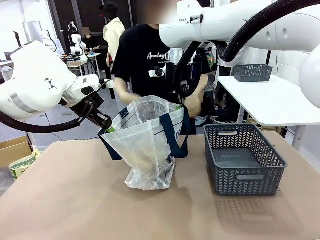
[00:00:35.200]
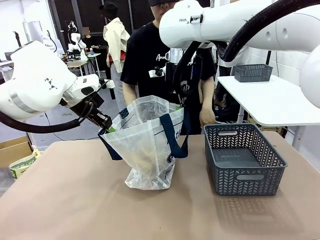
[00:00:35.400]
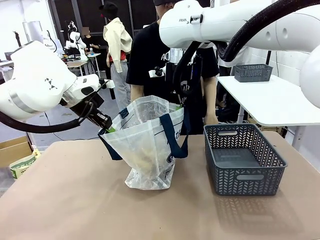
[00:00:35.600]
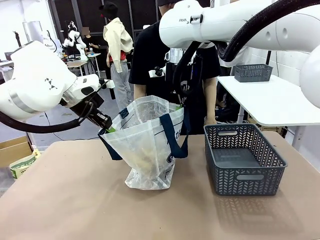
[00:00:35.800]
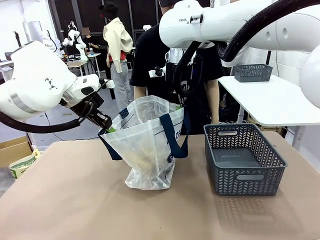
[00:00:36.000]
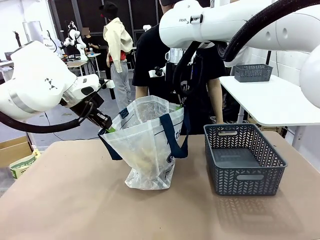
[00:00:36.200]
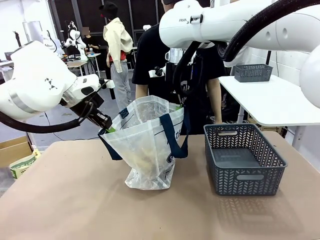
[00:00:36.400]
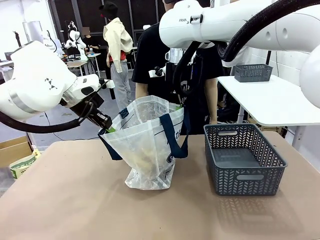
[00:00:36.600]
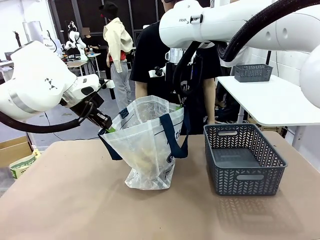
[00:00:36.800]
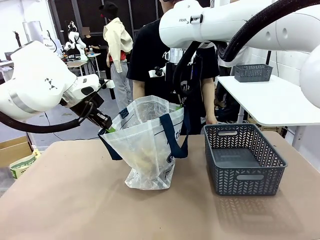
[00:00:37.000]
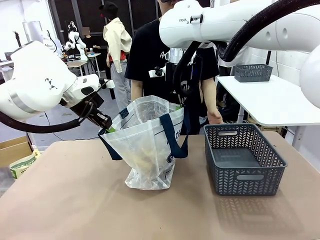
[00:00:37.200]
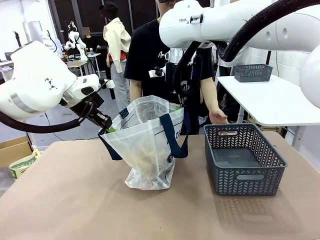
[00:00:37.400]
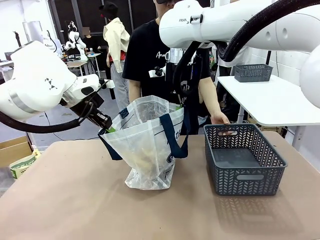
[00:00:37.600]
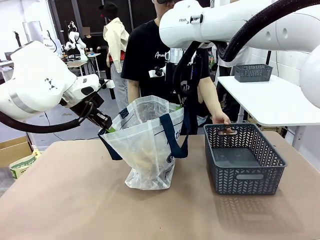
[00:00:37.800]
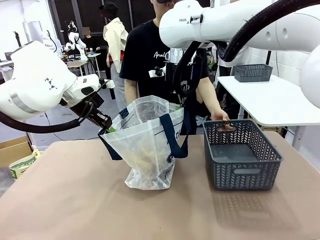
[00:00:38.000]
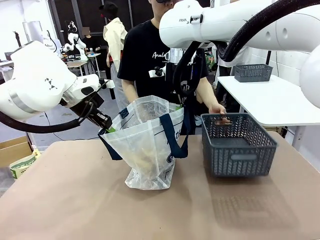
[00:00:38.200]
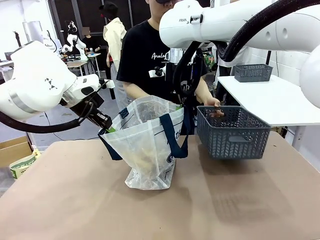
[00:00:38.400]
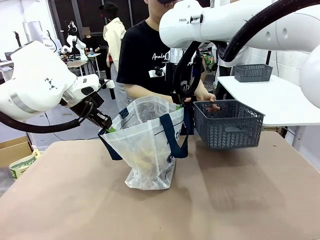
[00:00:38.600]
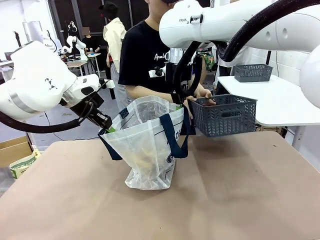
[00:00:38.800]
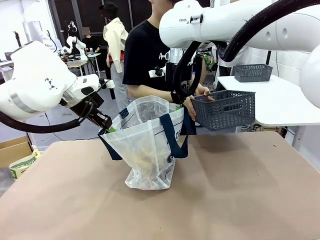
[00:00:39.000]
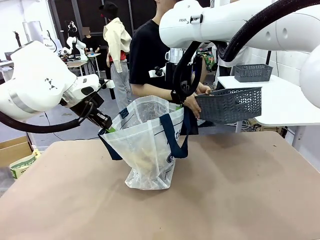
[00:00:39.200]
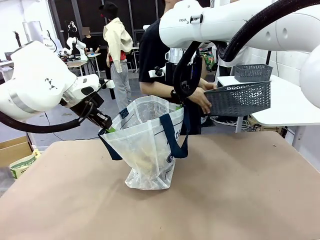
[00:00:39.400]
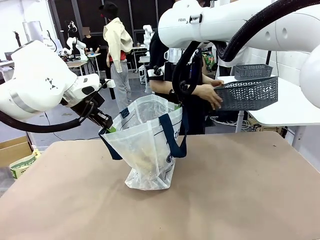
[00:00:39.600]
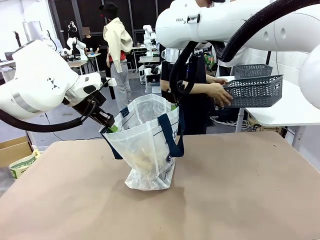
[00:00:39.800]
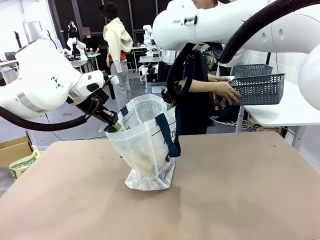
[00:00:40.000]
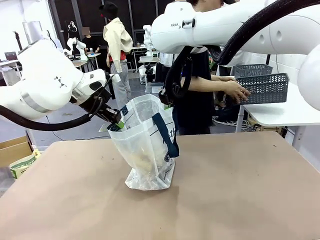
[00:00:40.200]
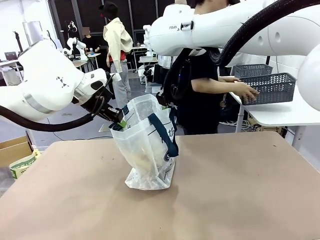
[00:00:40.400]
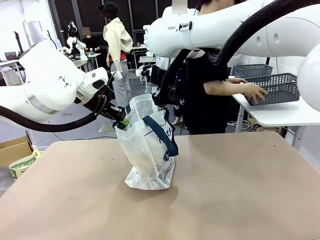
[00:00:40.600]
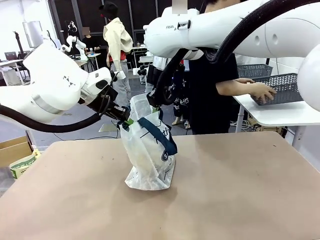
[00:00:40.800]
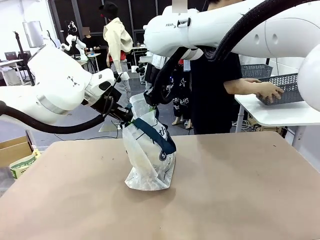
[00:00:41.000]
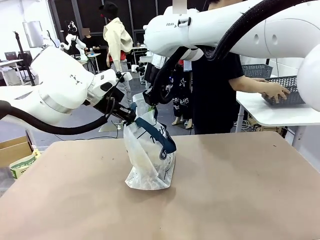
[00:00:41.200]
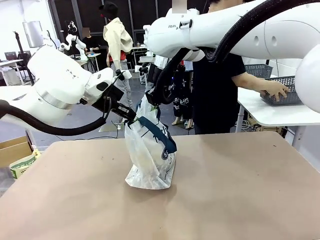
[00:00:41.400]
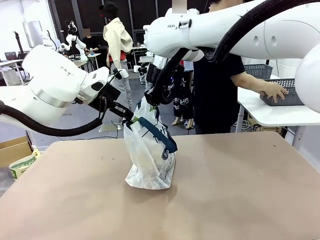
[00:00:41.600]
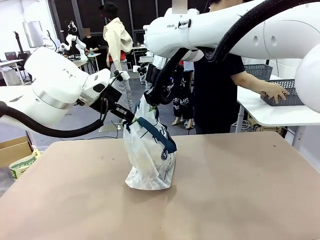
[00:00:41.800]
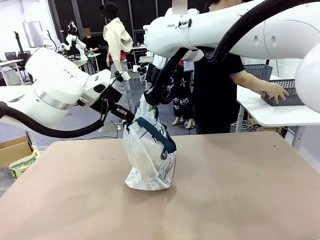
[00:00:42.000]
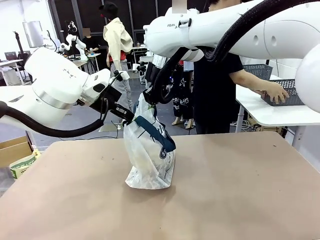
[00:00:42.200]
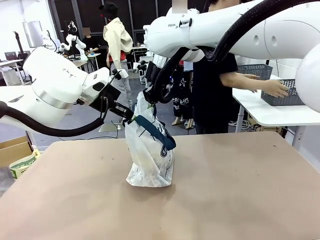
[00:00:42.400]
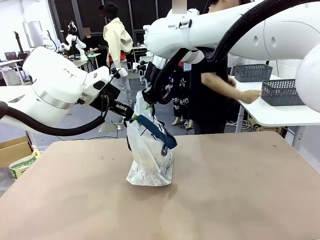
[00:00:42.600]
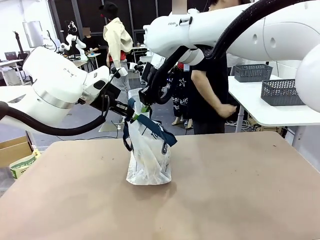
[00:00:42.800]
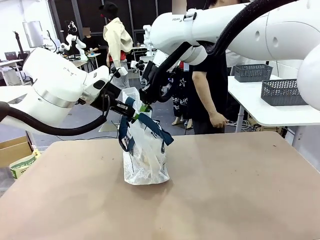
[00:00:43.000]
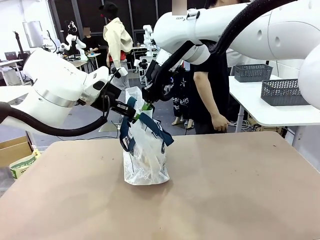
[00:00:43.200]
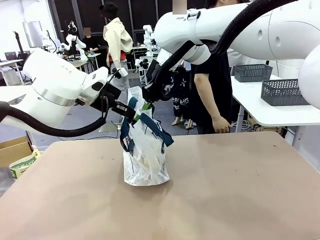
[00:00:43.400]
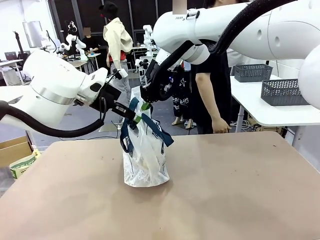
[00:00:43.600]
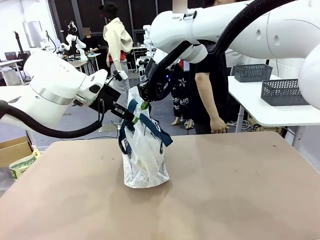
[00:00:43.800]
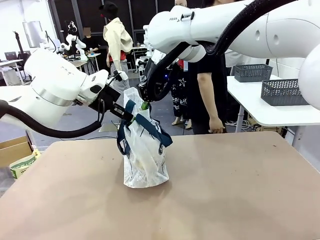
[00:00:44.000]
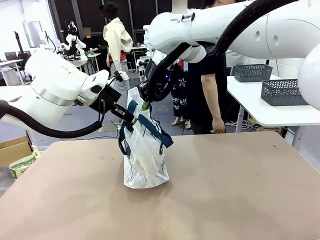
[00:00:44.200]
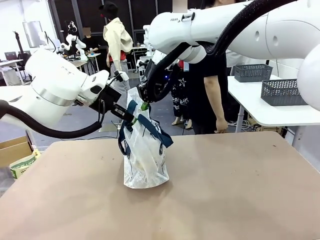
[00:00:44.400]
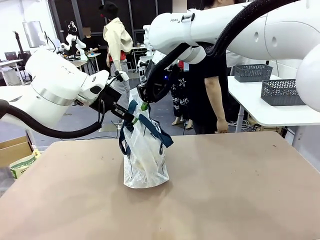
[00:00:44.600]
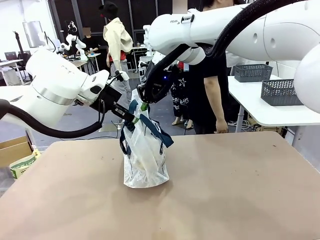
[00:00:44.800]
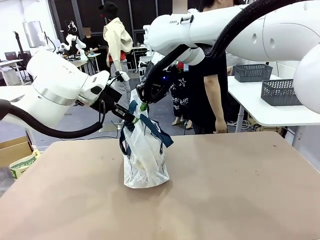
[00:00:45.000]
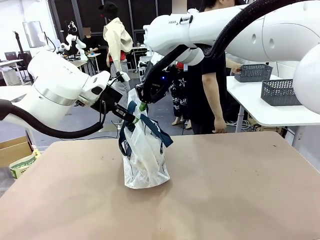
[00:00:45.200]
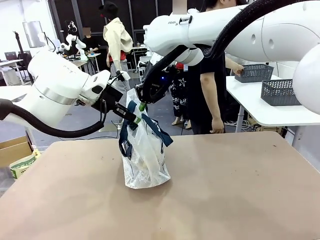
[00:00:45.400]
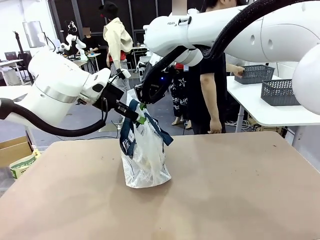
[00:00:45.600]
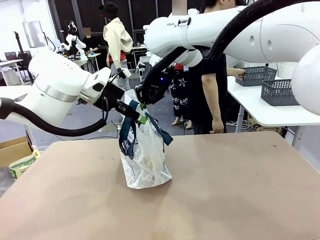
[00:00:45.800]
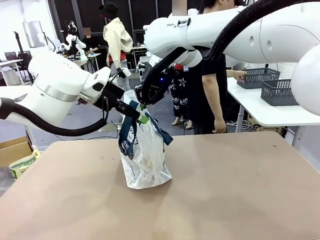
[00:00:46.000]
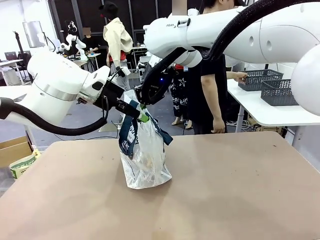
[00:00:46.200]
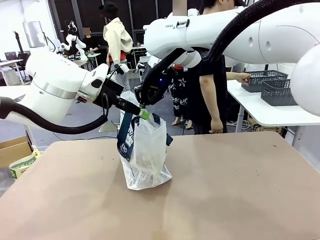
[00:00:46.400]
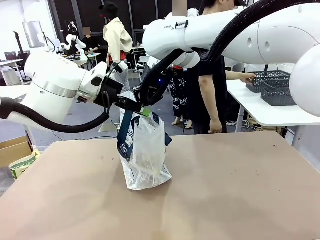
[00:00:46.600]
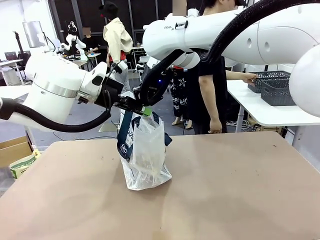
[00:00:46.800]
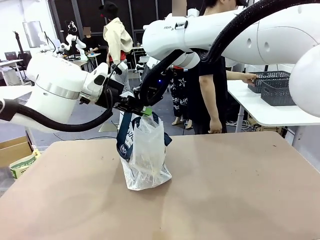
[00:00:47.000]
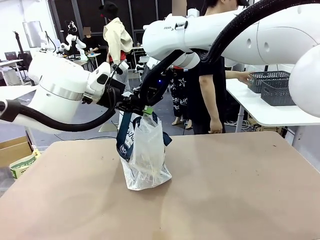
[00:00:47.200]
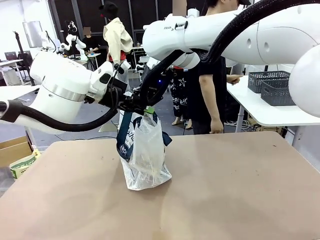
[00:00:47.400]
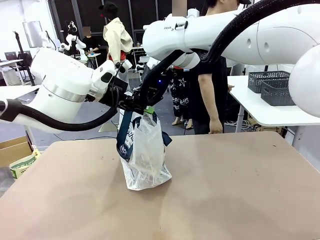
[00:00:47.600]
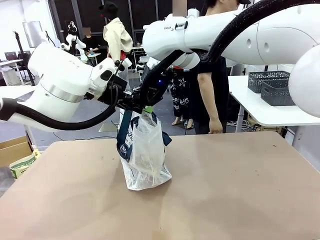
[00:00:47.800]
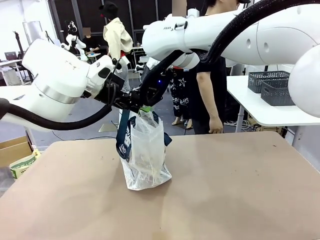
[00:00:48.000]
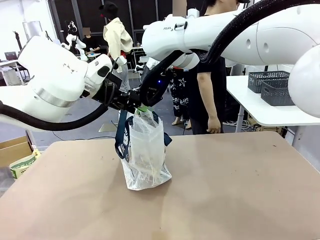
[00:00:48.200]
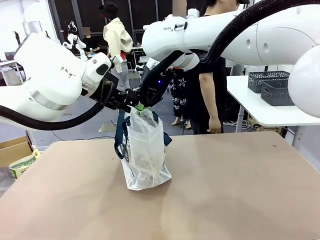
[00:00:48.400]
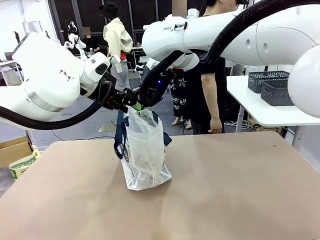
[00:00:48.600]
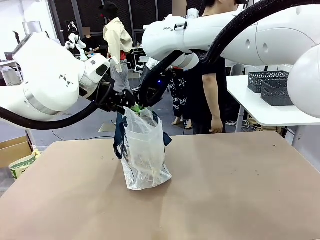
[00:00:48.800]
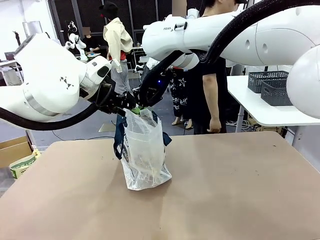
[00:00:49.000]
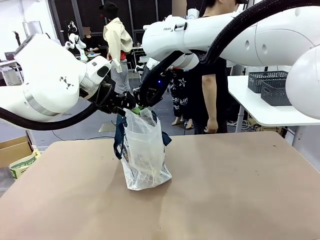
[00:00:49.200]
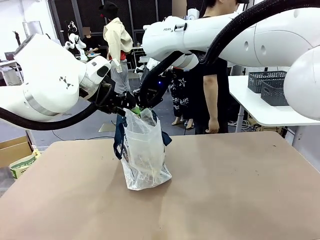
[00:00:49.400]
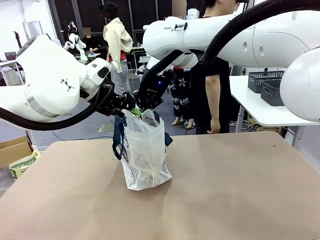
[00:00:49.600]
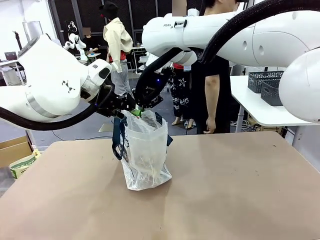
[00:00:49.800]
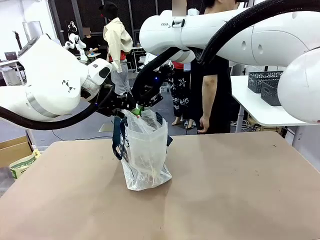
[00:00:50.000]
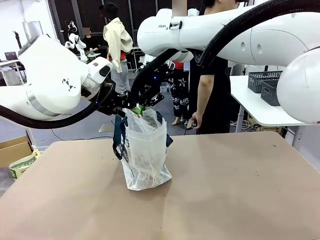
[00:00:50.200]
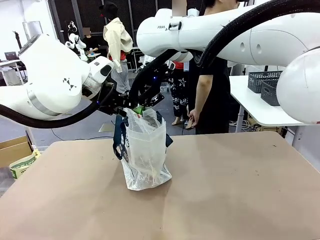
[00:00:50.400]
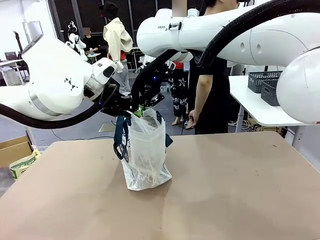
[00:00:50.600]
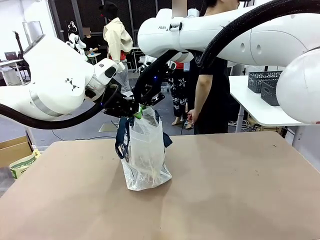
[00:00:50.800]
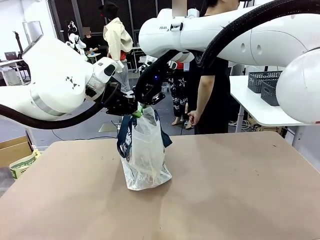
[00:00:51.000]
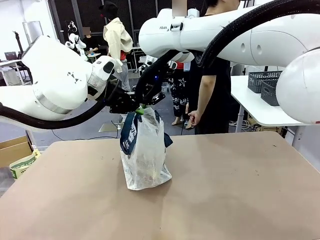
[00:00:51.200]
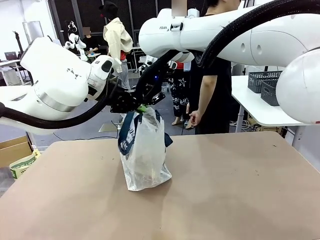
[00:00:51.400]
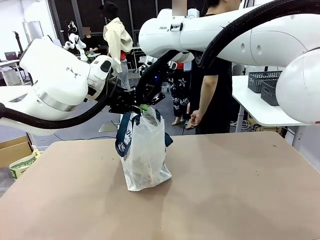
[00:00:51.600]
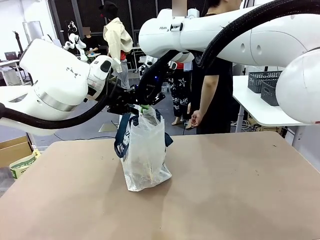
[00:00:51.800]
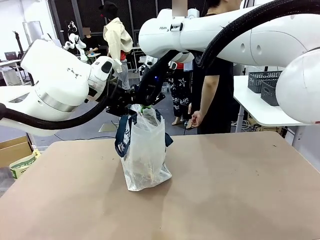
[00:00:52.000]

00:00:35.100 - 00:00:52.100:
Task: Transfer purchased items from the store into the shopping bag.
Robot: Move the Reusable shopping bag to the right side of the table.
Person: Pick up the basket with the items out and place it on the right side of the human table.
